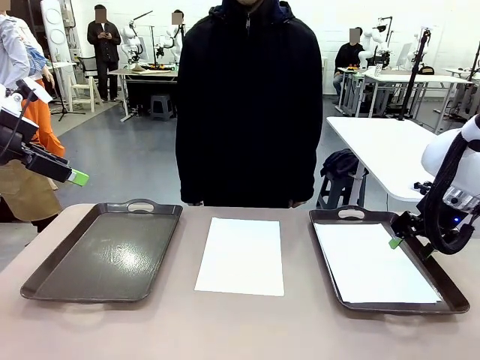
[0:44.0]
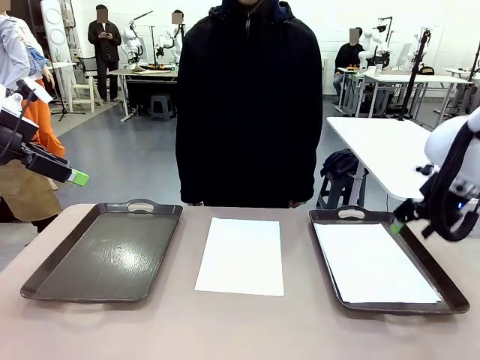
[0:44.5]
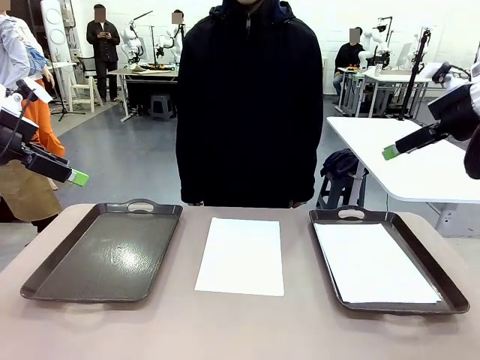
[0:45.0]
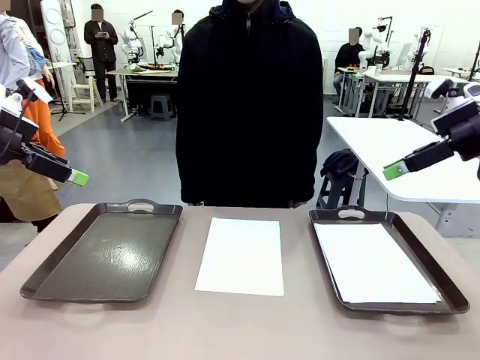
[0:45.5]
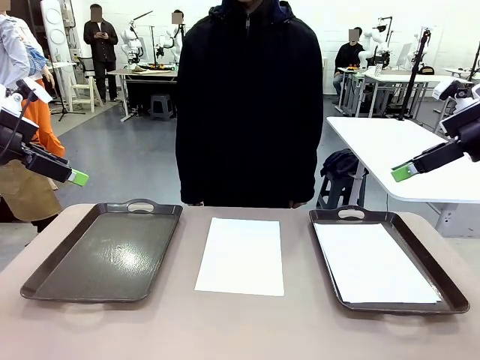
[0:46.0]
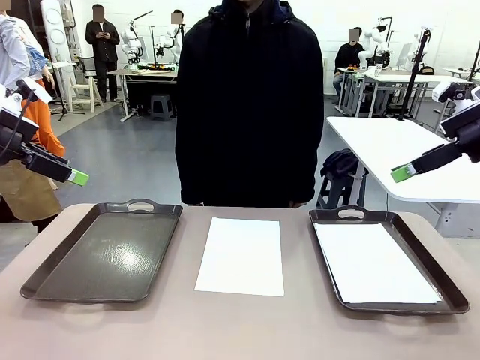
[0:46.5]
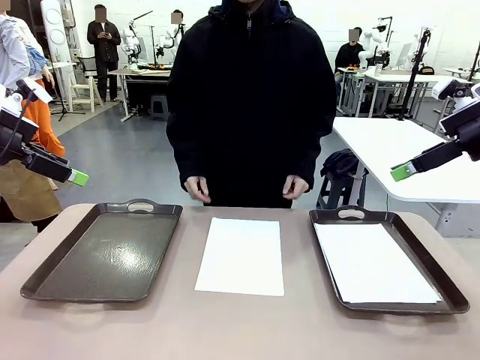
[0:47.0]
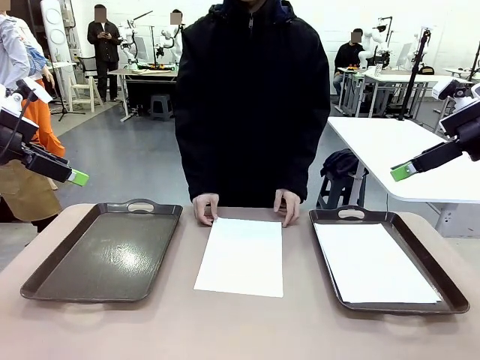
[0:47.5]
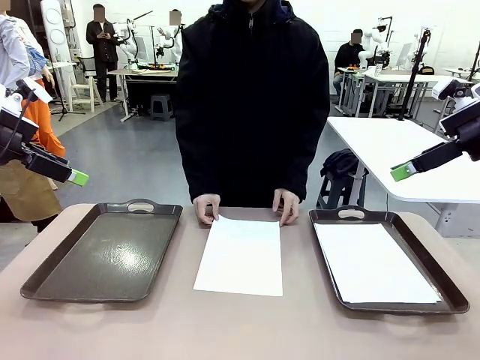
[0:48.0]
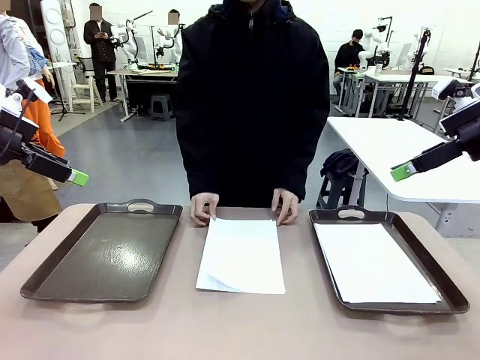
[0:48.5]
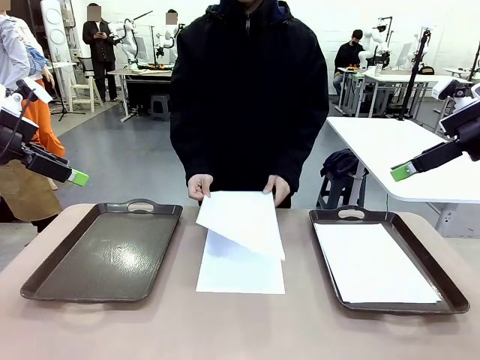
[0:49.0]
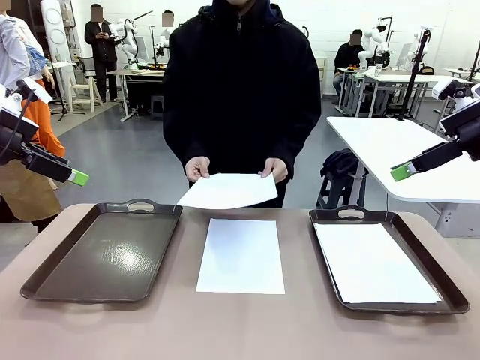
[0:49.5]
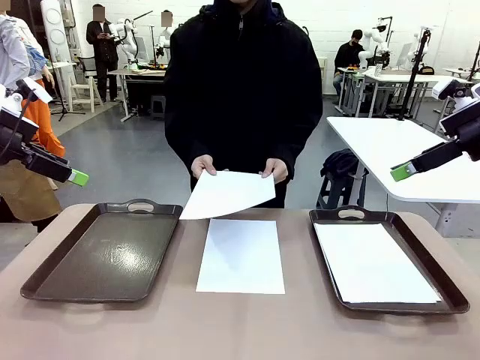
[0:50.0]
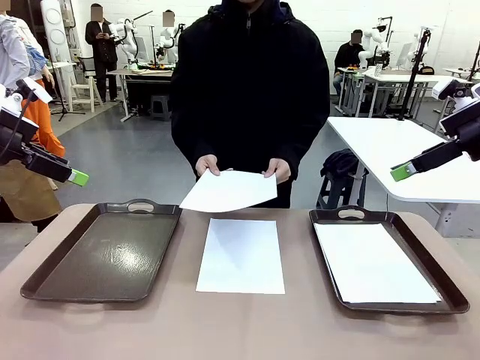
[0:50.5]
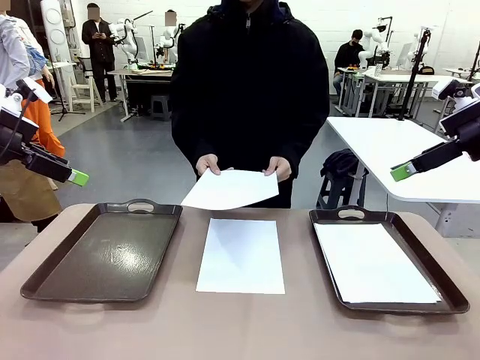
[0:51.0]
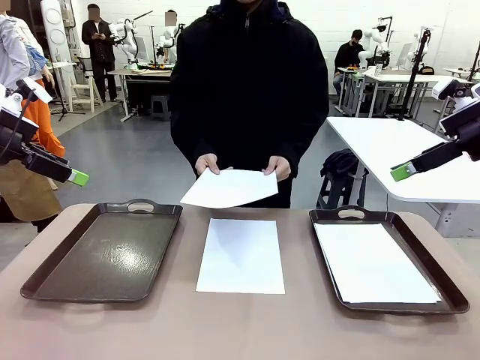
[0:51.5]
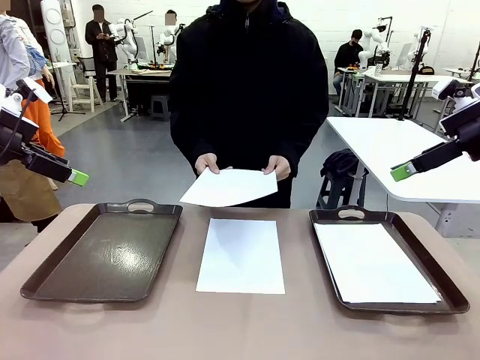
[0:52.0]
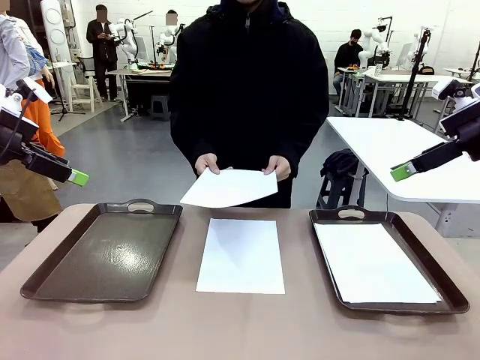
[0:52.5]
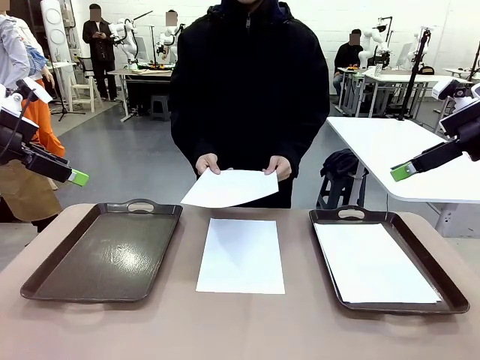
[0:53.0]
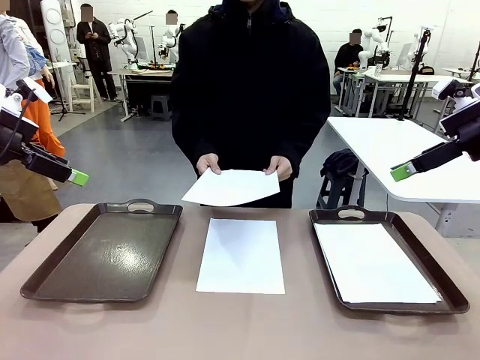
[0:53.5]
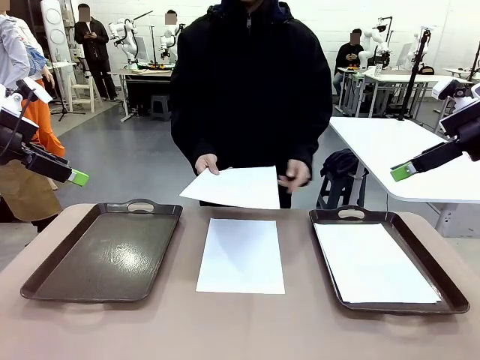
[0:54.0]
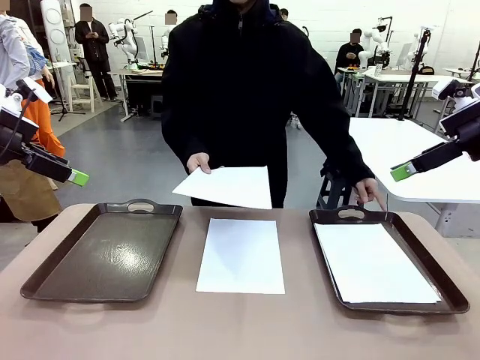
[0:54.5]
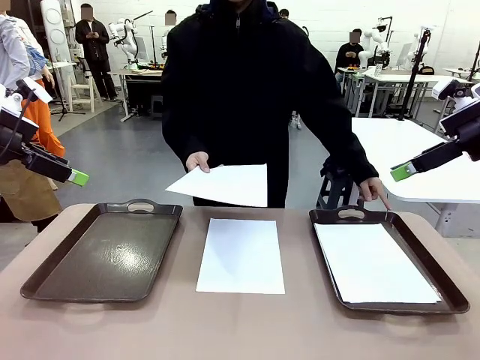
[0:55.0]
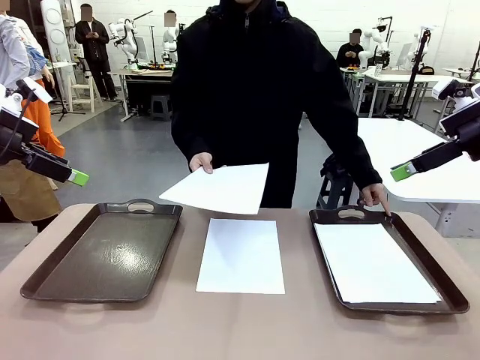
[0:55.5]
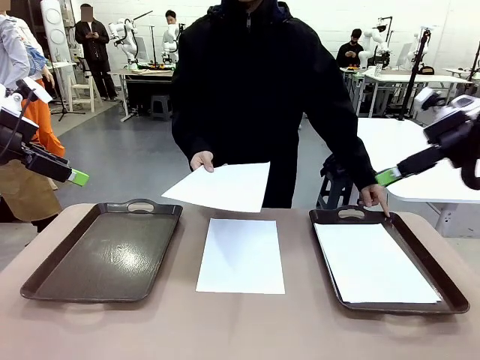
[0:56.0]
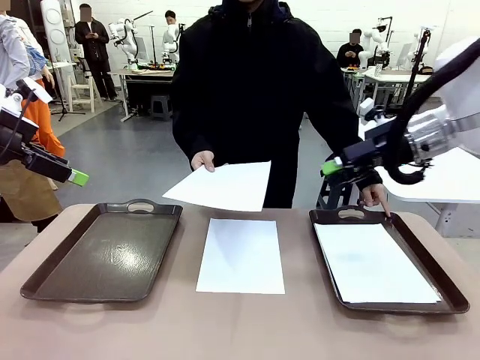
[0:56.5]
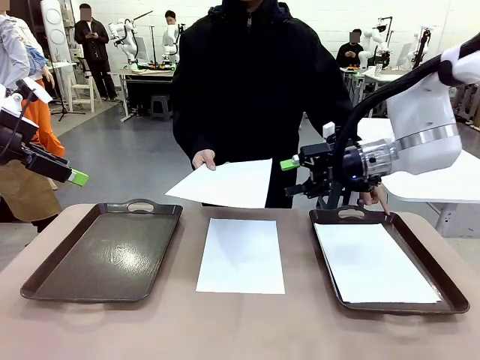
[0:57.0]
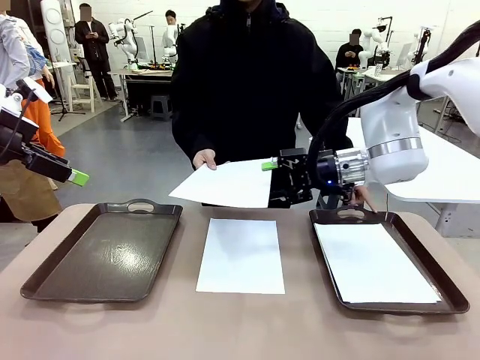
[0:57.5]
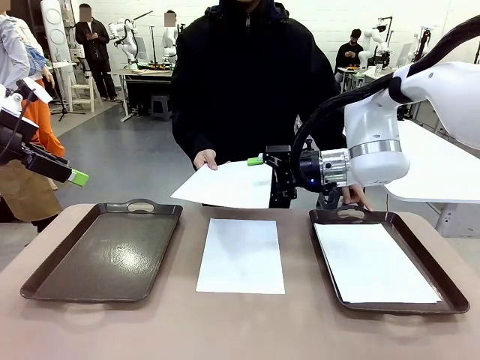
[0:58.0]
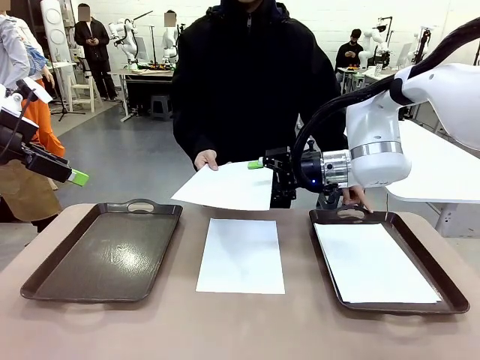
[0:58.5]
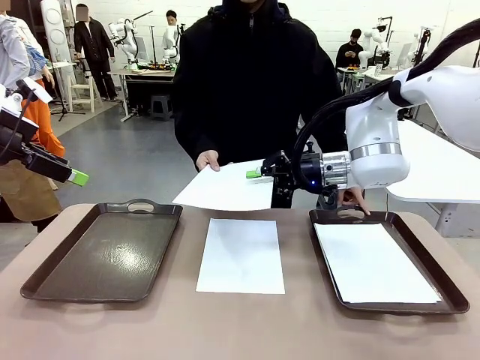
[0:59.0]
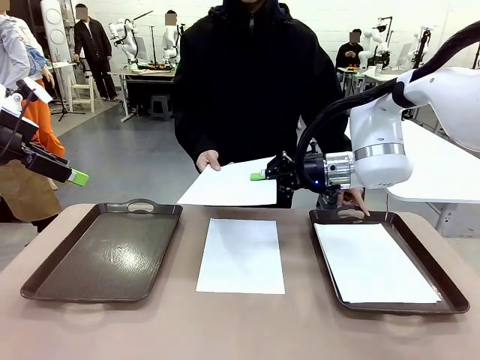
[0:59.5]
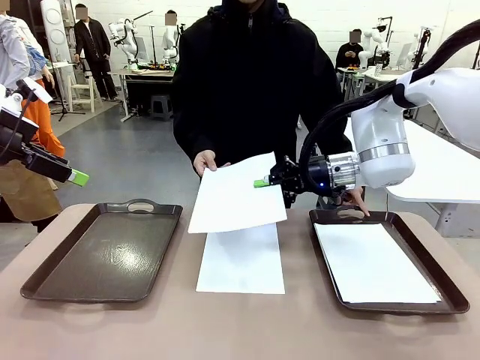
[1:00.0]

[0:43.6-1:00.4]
Task: Sort the A4 documents.
Robot: Receive the A4 Paper.
Person: Point the randomly selected tray with the other hand.

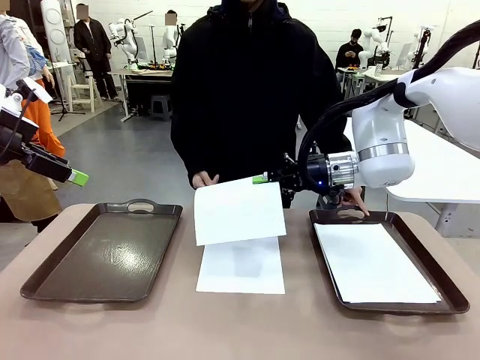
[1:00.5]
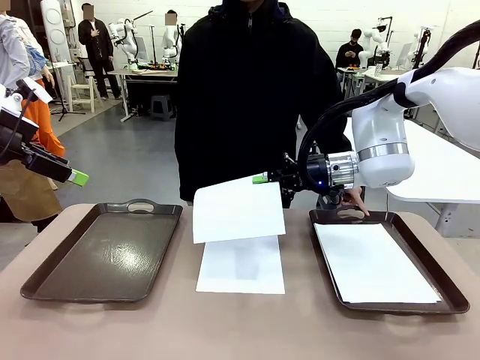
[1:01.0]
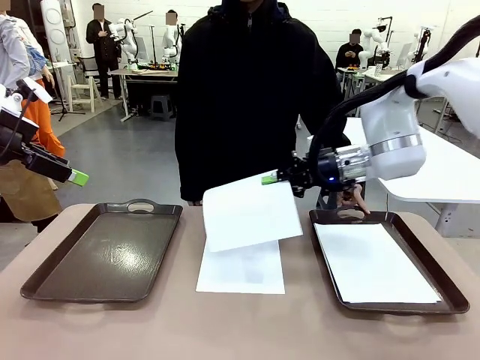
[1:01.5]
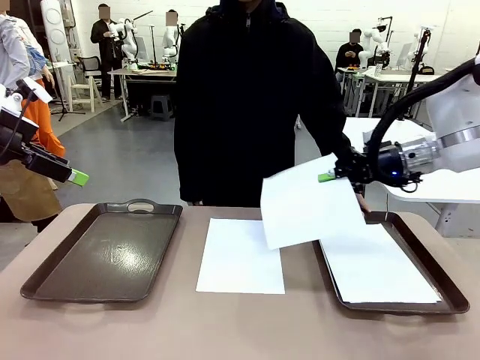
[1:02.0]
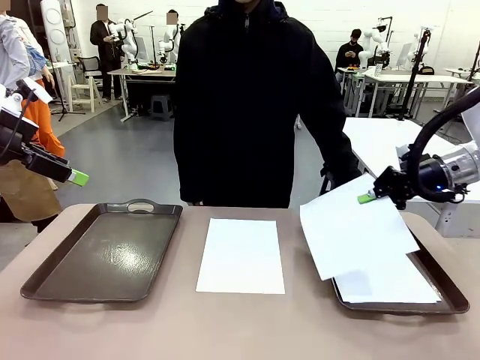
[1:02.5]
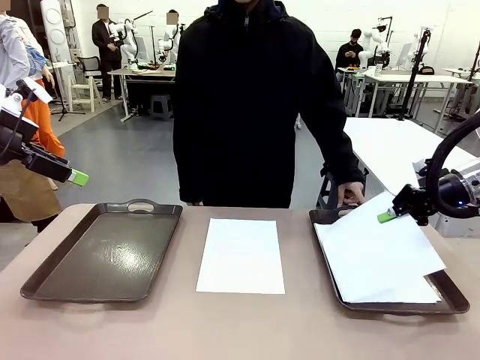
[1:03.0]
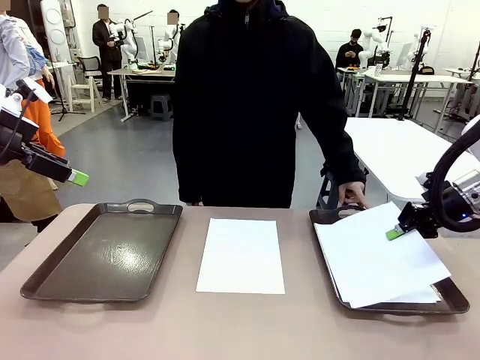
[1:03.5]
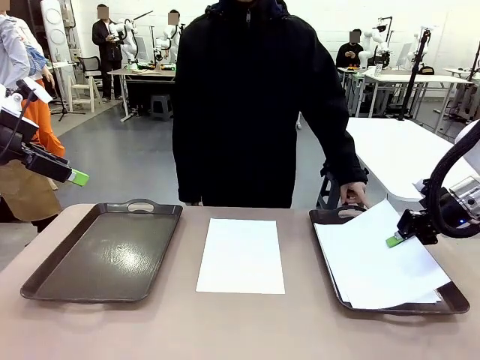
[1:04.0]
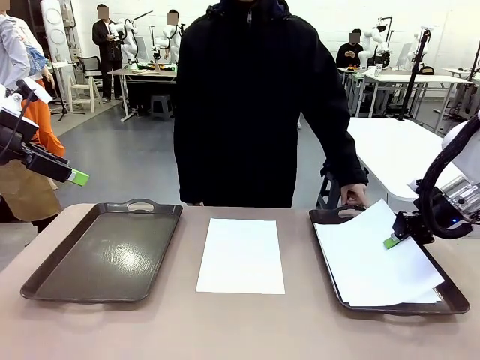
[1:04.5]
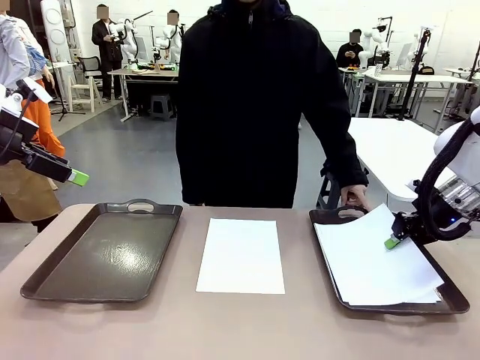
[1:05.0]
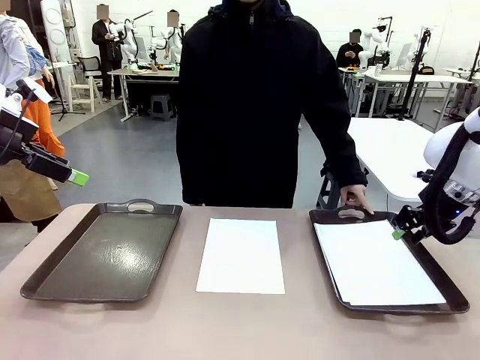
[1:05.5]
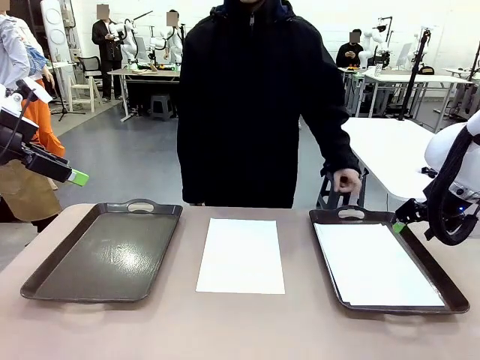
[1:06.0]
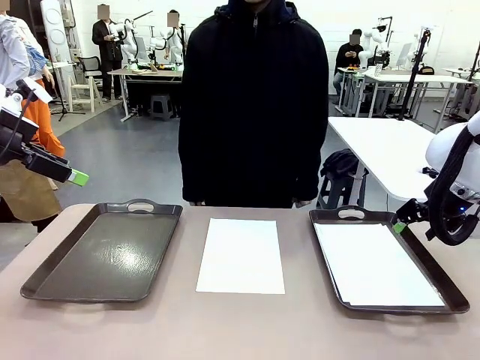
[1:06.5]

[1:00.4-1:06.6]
Robot: Place the A4 Paper in the designated Handle tray.
